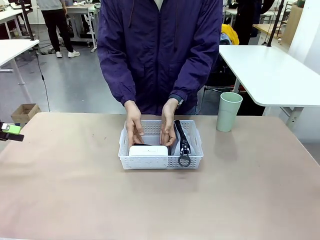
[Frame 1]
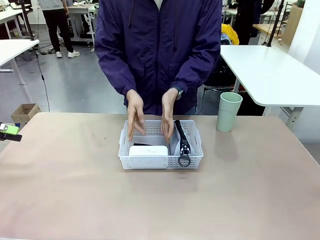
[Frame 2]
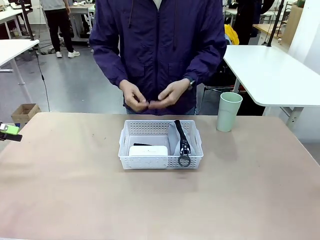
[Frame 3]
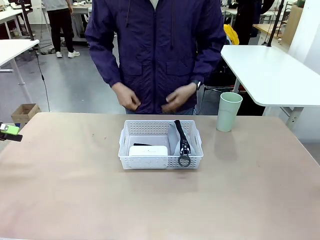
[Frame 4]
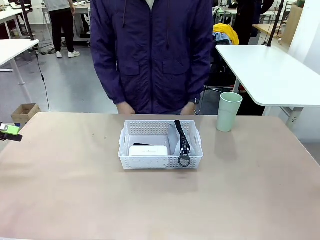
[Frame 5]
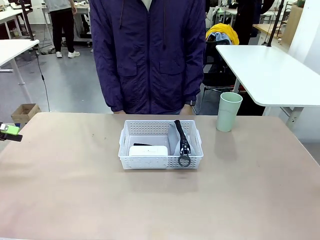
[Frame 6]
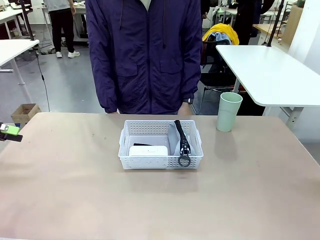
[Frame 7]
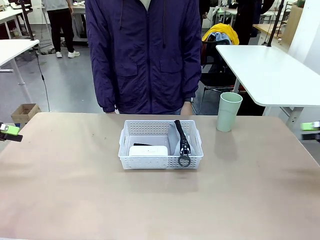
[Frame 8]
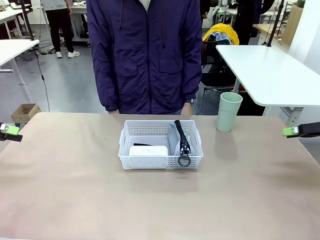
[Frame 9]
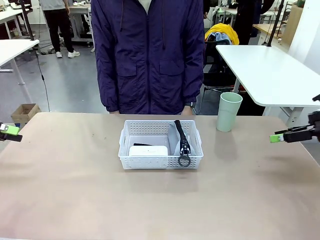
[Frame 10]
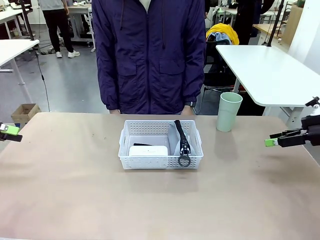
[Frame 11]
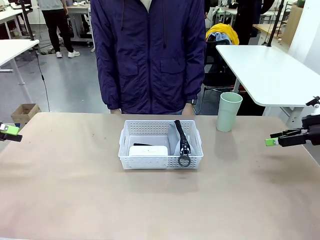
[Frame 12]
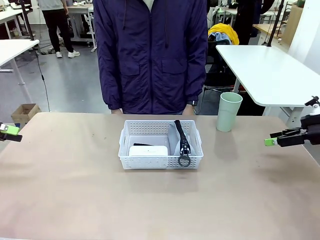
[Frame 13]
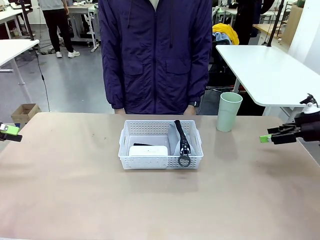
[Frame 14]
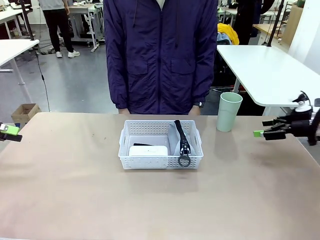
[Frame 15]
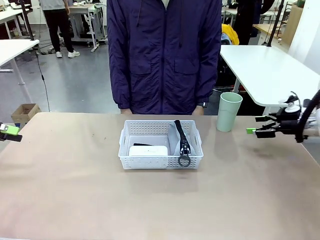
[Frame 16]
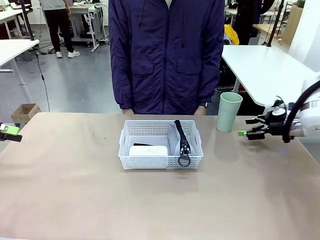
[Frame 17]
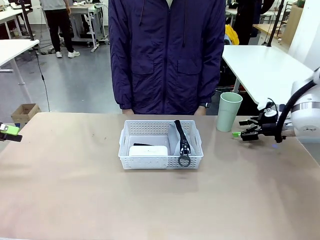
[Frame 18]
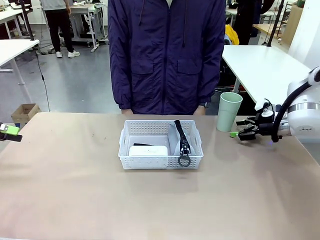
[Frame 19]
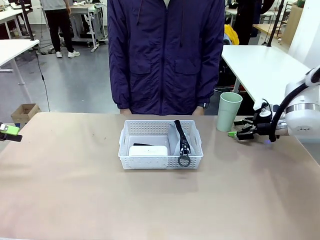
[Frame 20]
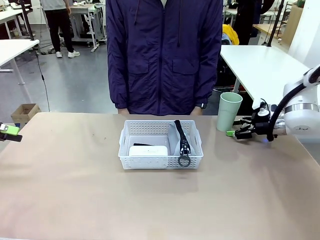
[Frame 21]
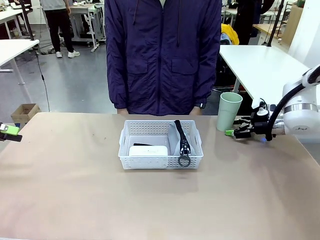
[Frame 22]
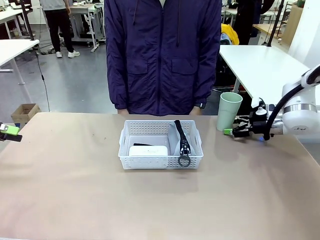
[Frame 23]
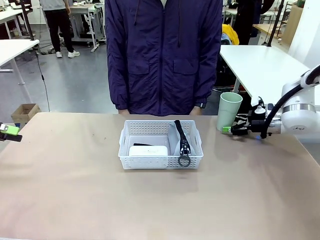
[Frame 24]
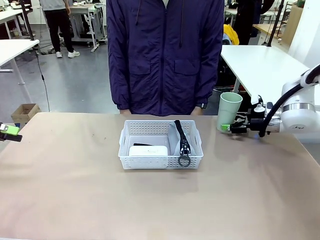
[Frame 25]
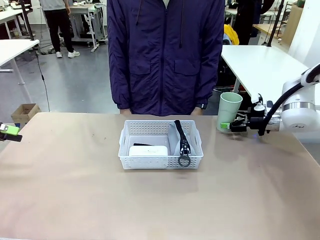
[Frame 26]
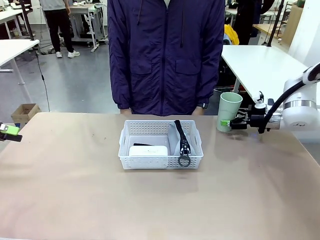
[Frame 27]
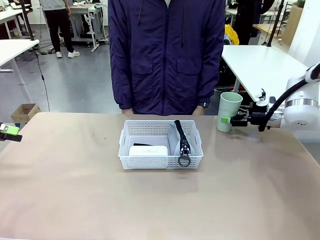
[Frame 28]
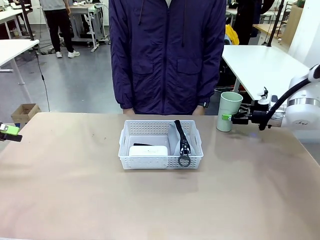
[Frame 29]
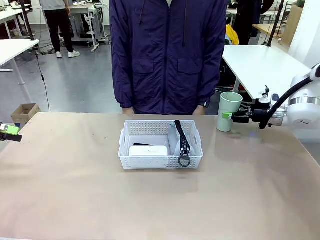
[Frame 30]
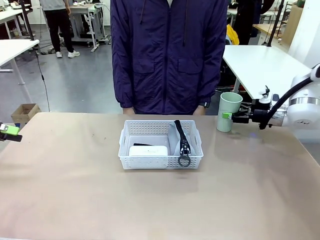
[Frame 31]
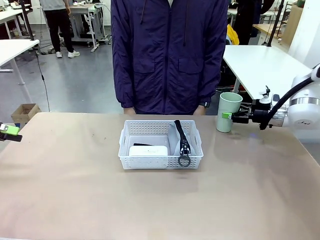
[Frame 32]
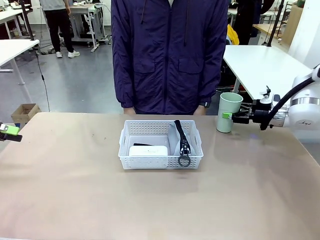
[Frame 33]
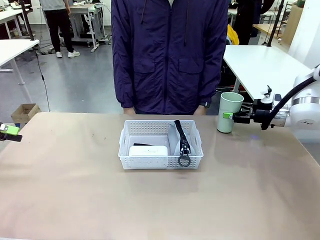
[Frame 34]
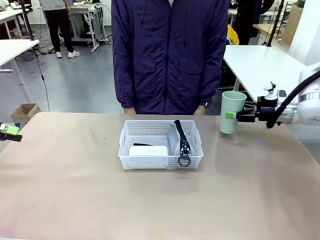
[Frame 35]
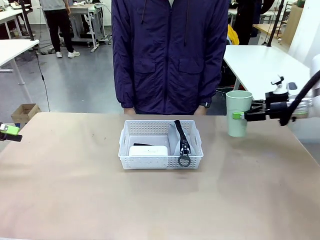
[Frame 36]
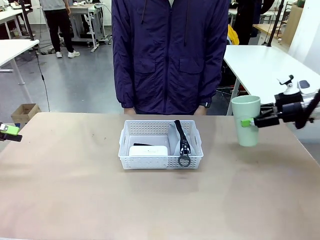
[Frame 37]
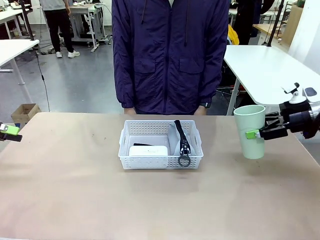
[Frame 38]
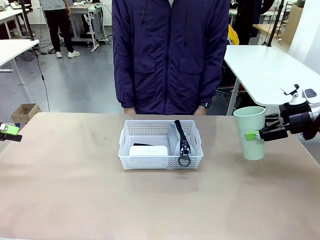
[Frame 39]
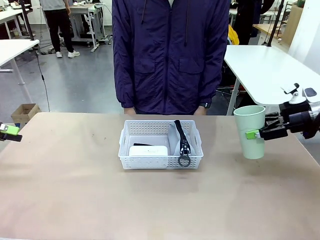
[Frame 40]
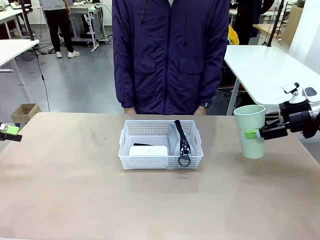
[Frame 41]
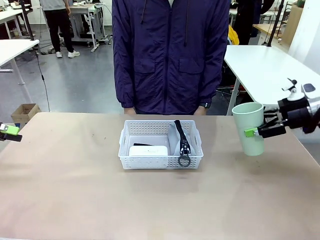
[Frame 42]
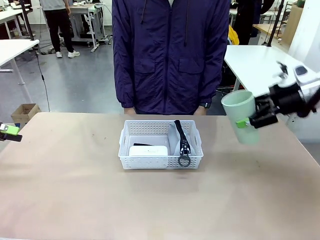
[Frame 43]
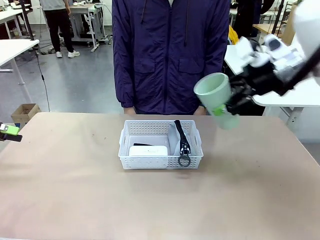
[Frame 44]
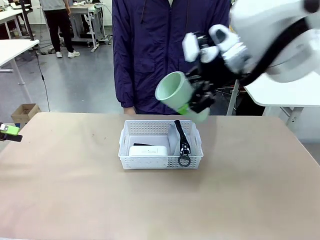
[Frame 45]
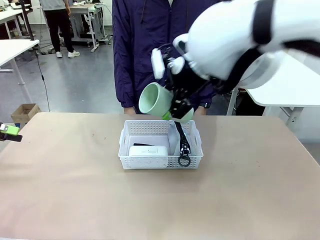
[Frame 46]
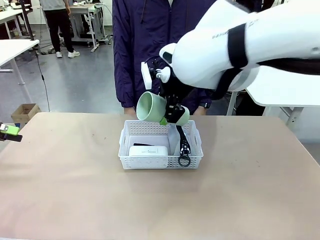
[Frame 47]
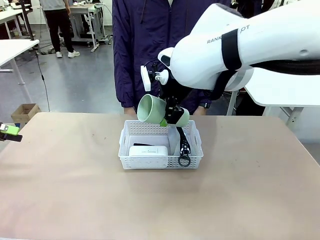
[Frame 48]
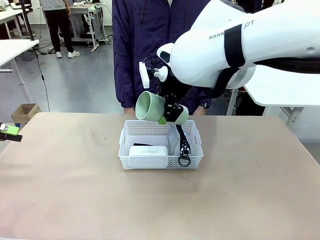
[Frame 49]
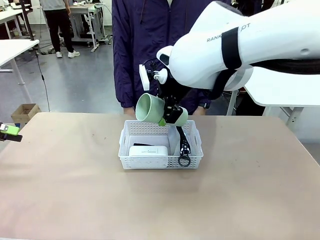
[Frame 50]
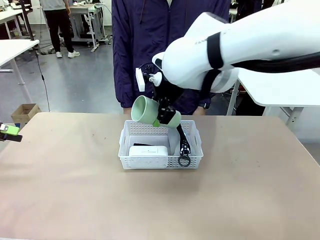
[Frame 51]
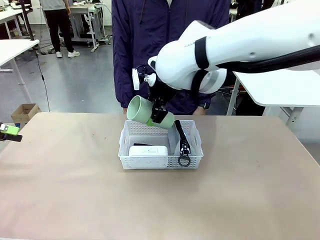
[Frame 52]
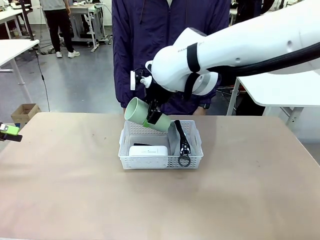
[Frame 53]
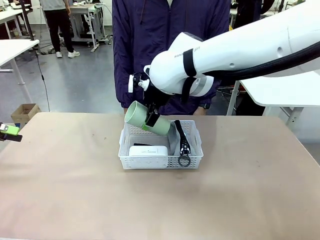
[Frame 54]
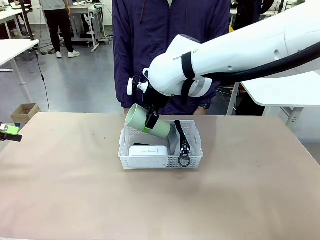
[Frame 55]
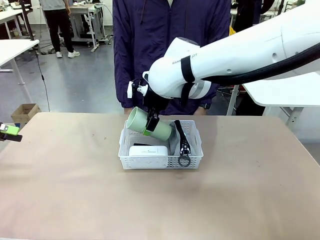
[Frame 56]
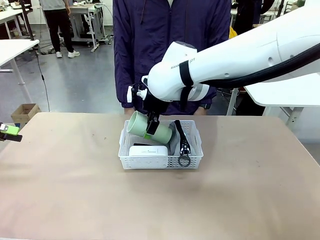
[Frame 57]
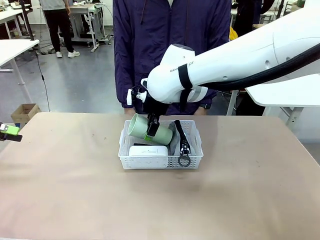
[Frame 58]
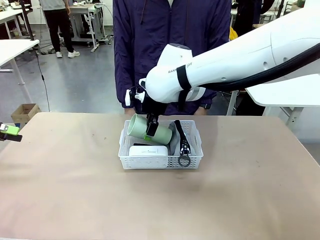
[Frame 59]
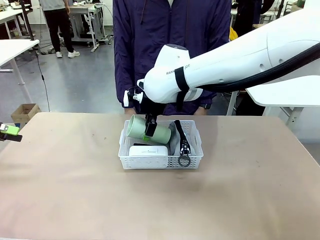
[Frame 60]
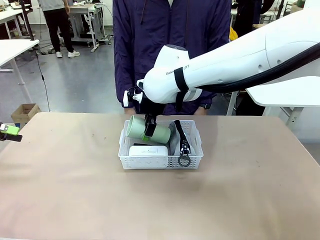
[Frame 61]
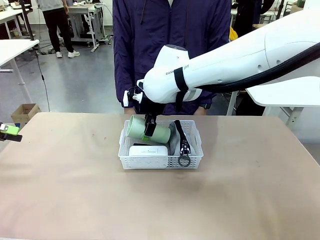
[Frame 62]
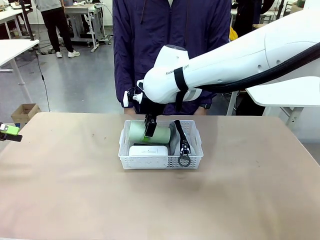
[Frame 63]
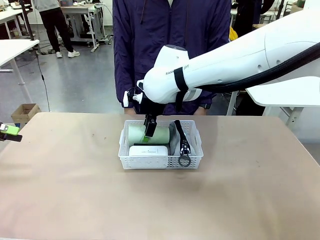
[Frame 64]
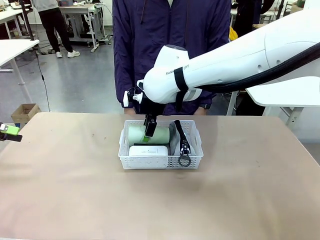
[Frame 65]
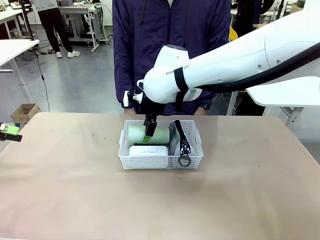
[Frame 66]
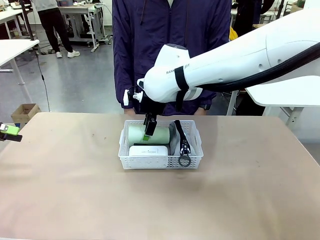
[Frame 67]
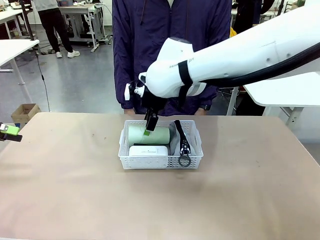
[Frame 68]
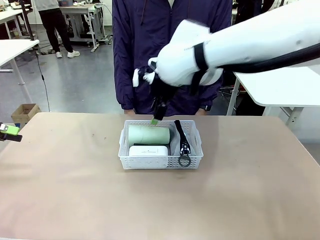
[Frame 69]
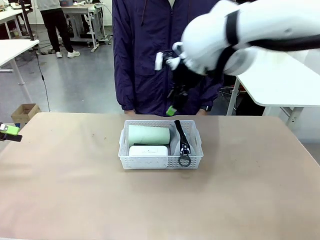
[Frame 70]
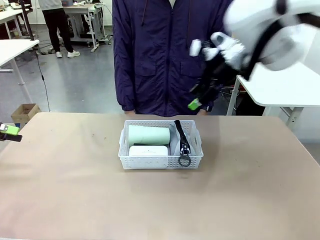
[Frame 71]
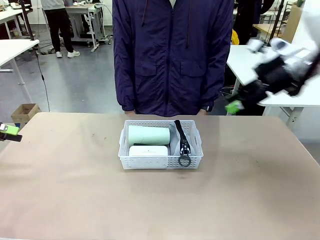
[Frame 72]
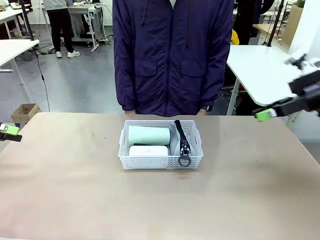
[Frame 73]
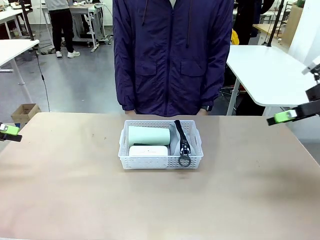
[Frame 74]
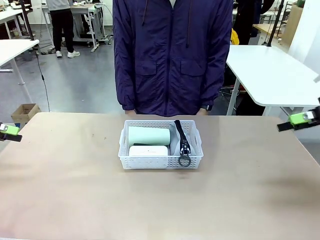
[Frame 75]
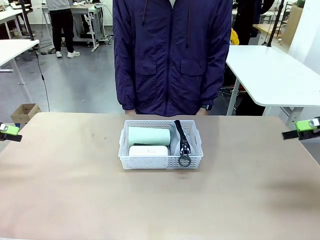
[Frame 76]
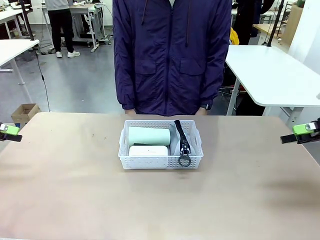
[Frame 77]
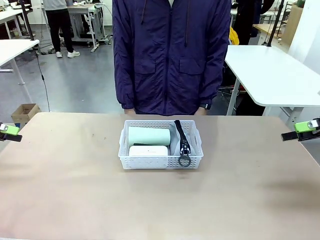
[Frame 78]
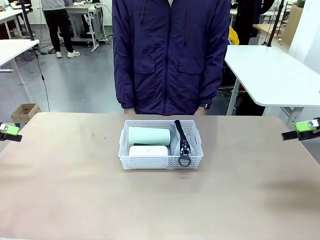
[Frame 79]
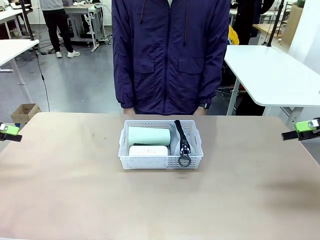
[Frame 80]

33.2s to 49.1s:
Task: Efficiently arrange items inside the basket to fit them all.
Robot: Pick up the Reusable plastic cup and place it inside the Organizing basket.
Person: Repositions the stapler.
